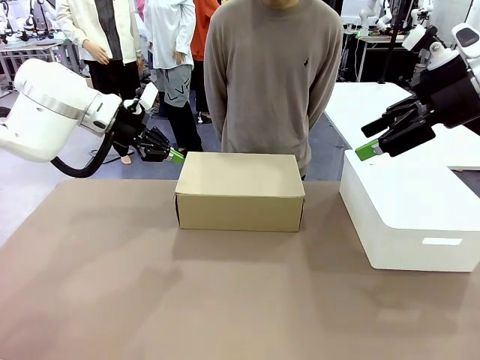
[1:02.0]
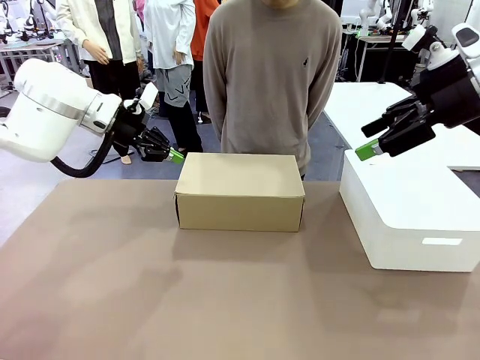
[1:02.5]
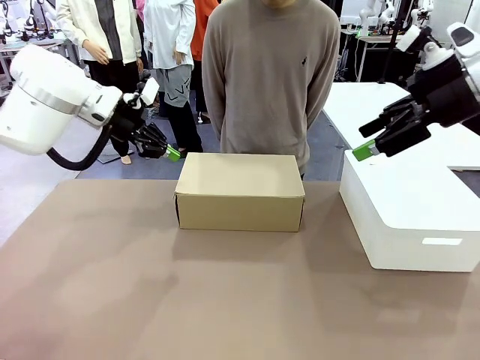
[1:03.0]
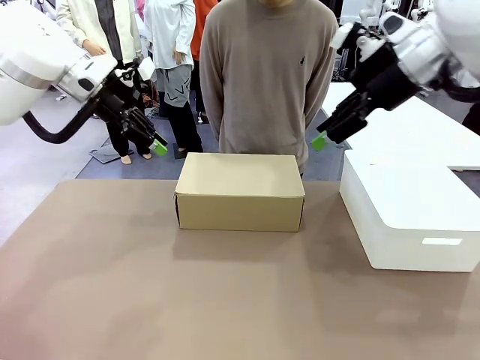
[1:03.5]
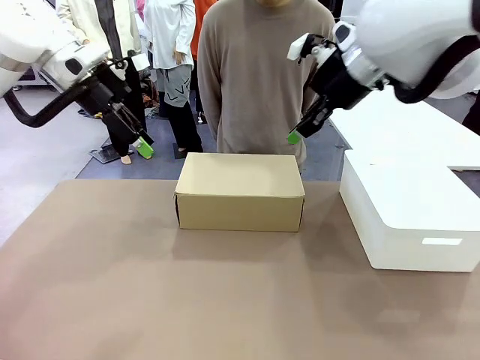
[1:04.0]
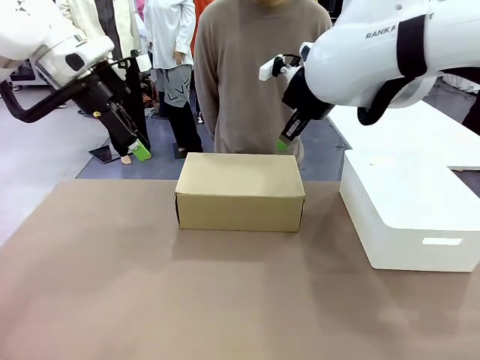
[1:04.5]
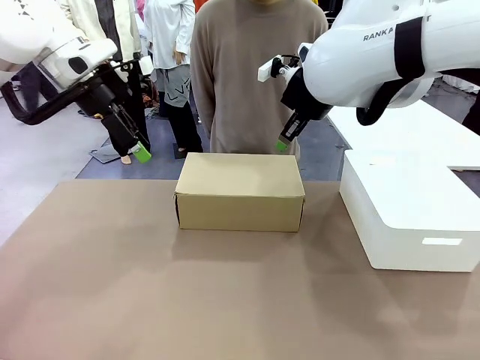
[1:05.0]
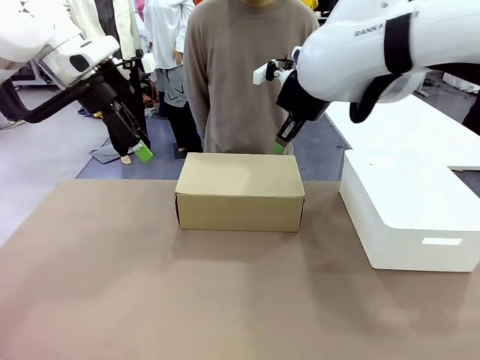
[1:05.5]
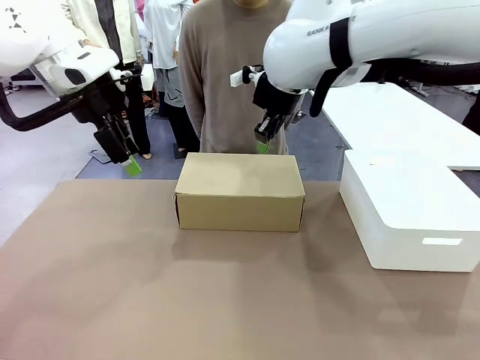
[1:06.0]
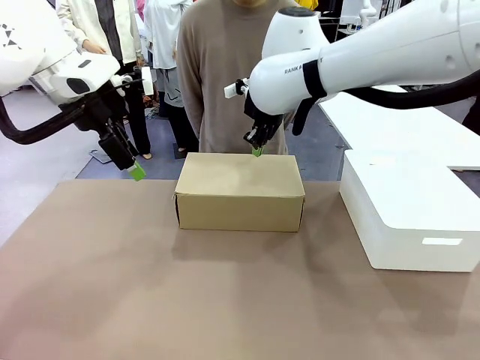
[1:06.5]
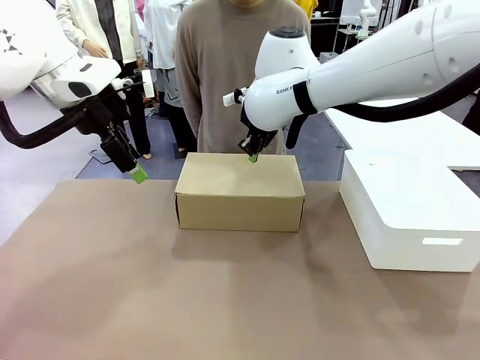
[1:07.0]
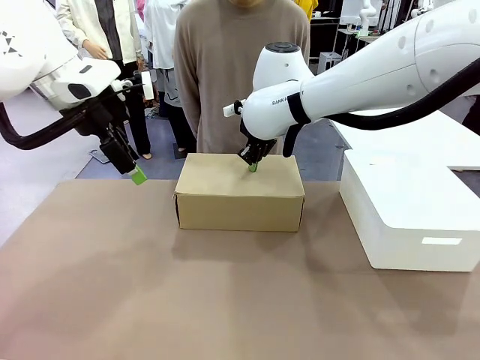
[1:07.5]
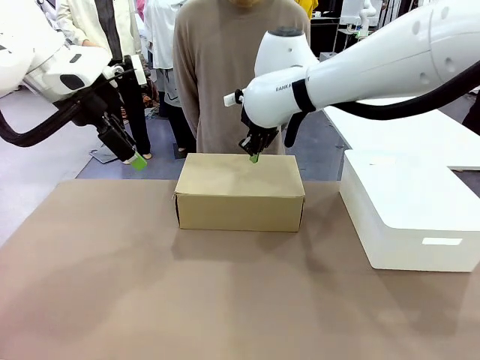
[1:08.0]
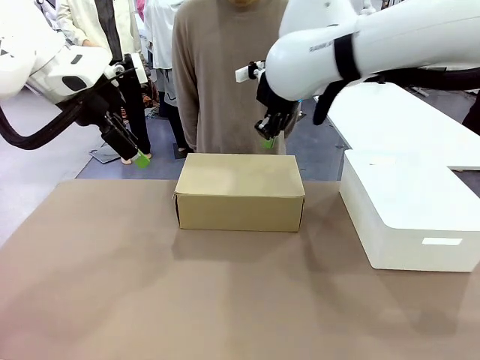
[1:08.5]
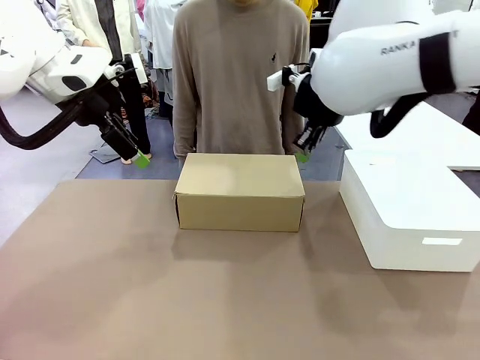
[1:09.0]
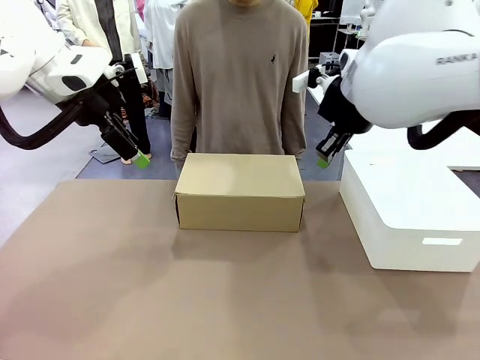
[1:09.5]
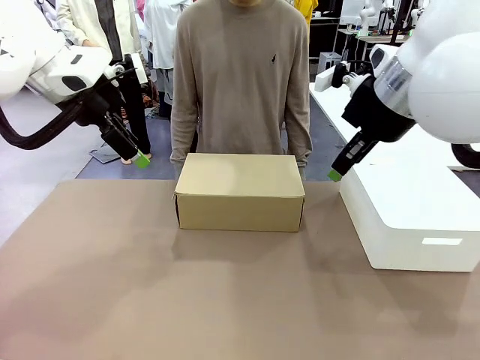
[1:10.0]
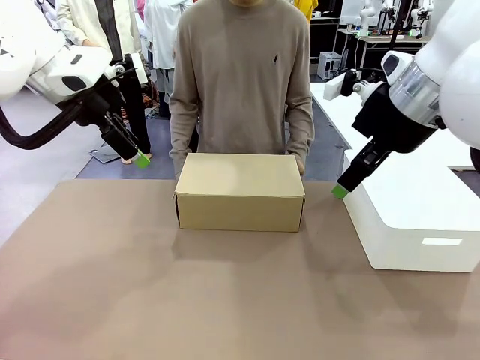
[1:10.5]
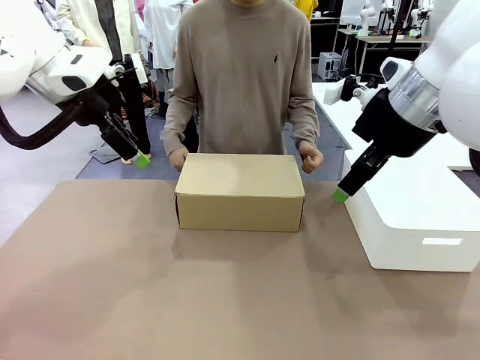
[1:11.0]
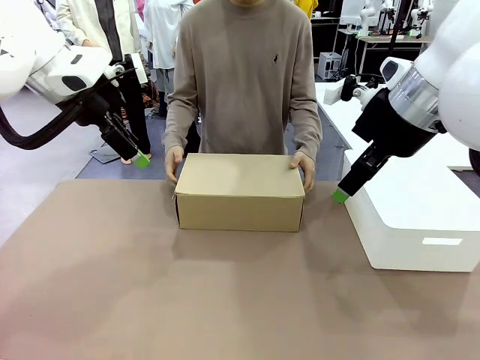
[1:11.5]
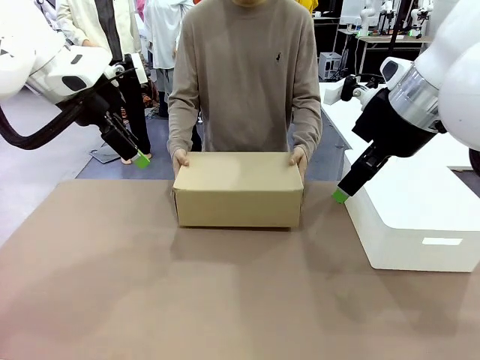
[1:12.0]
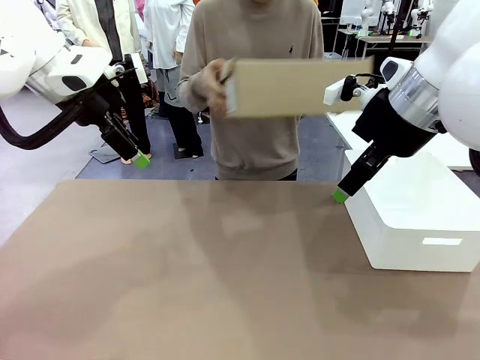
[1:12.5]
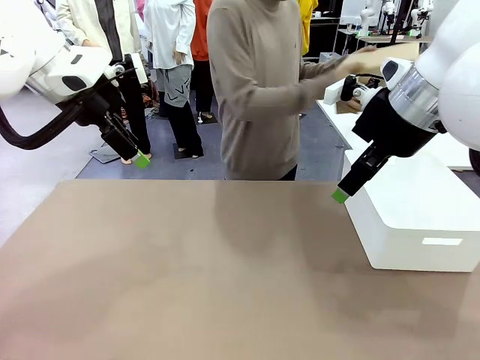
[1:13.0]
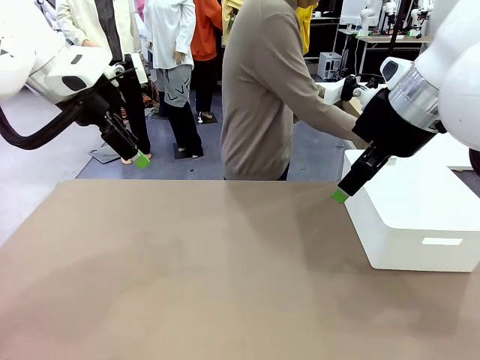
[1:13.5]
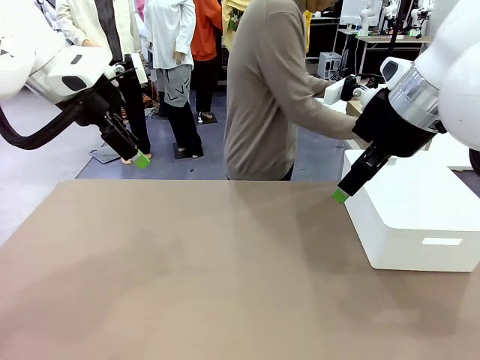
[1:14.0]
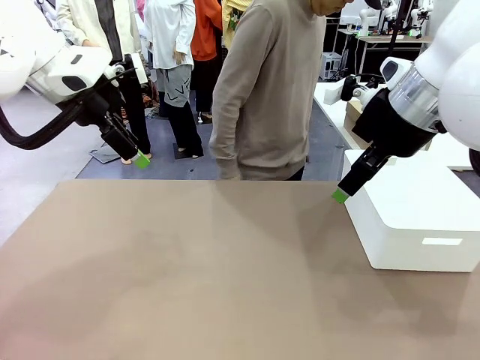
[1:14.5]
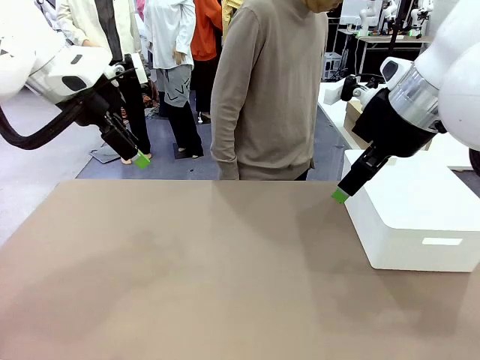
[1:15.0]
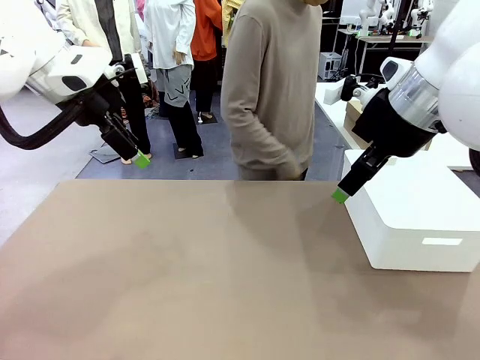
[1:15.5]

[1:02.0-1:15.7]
Task: Pack the shoes into the box.
Robot: Press down on the lid of the Shoes Box.
Person: Place the closed Shoes Box to the right side of the human table.

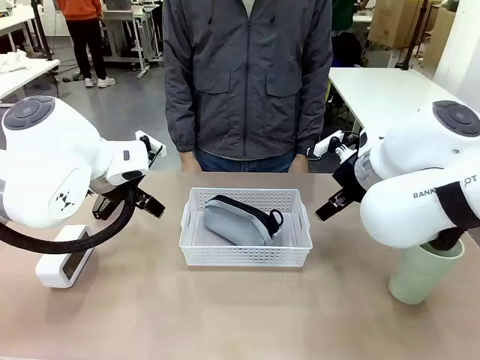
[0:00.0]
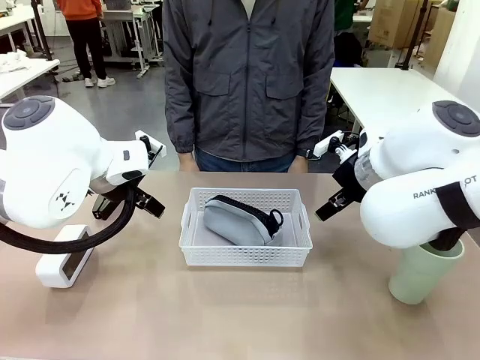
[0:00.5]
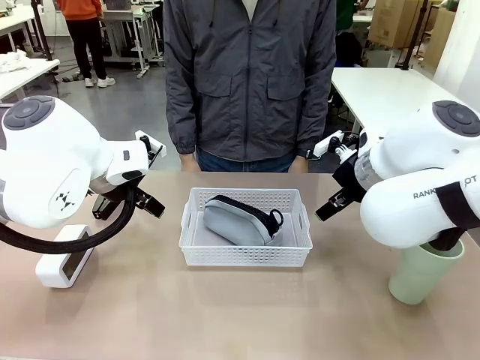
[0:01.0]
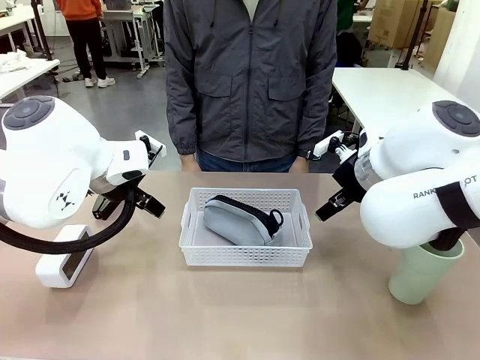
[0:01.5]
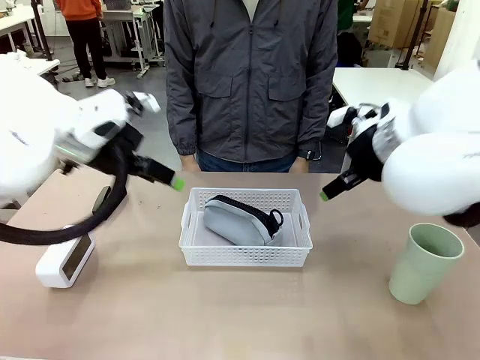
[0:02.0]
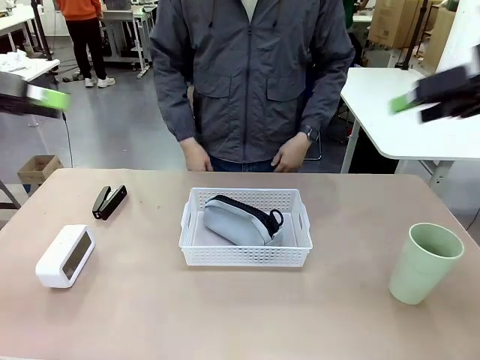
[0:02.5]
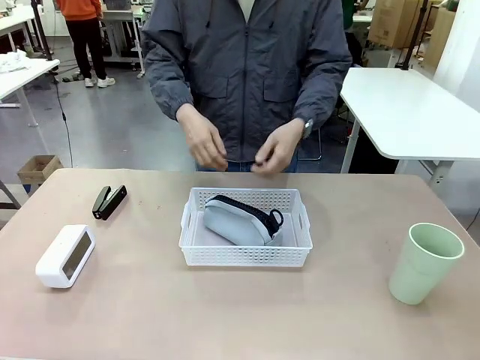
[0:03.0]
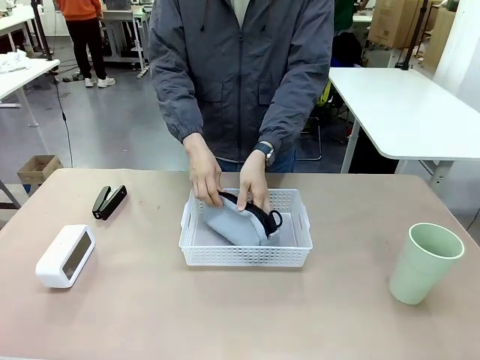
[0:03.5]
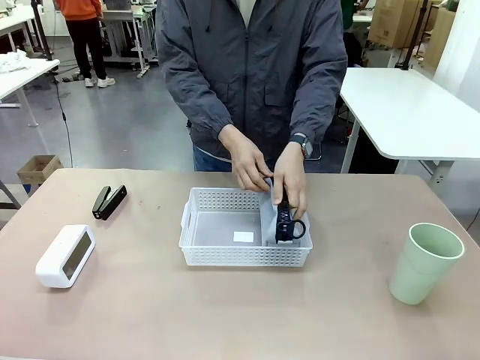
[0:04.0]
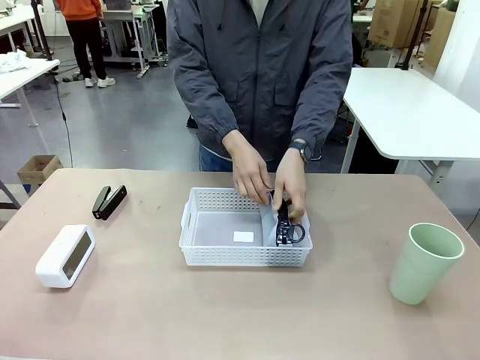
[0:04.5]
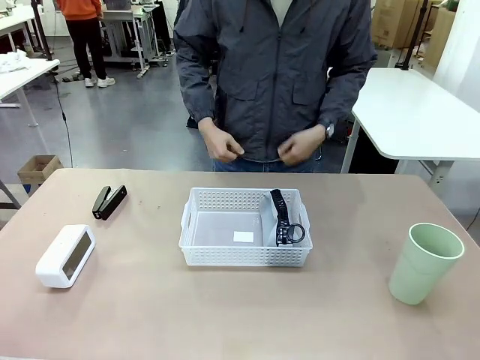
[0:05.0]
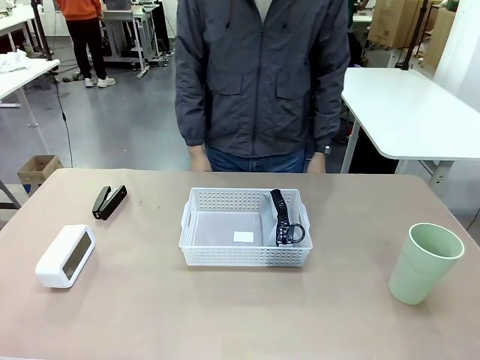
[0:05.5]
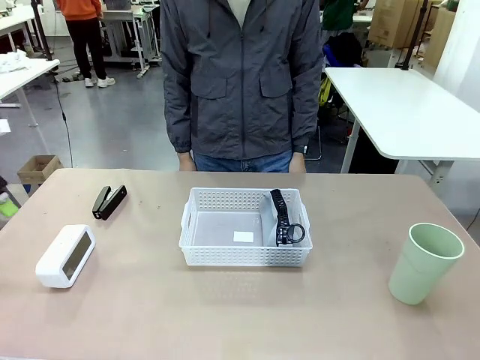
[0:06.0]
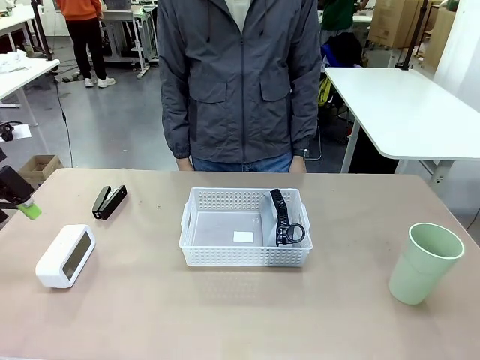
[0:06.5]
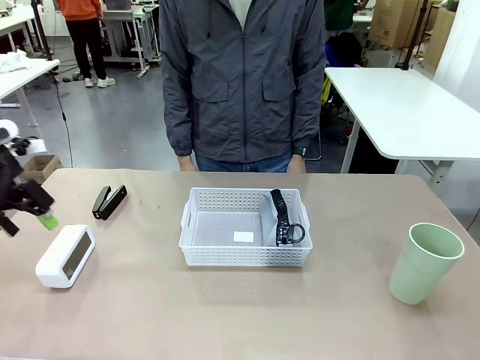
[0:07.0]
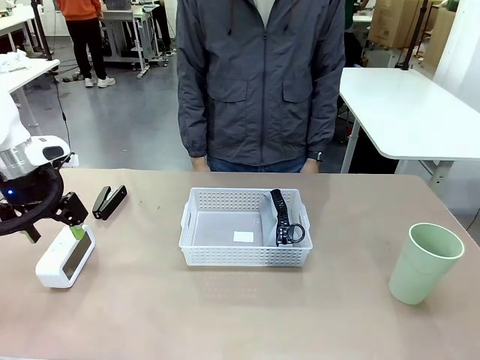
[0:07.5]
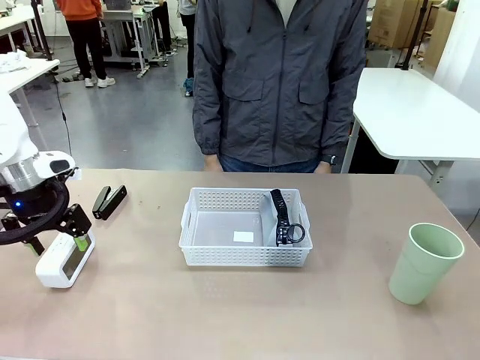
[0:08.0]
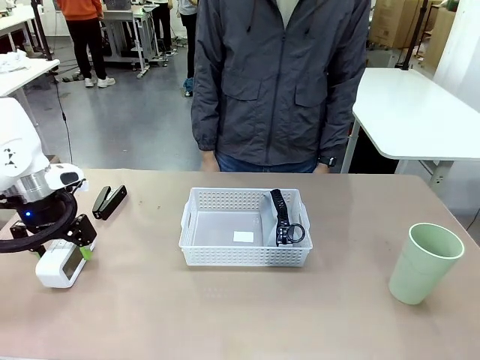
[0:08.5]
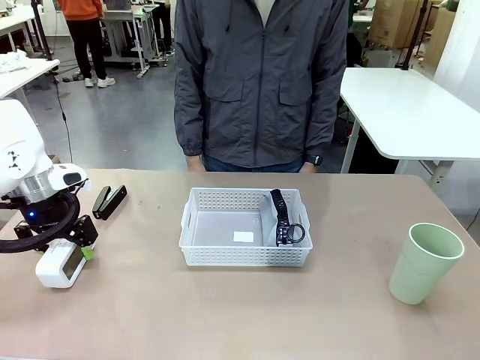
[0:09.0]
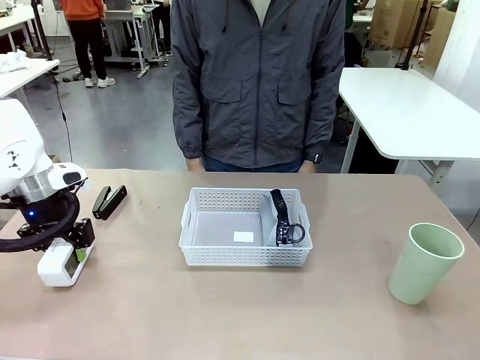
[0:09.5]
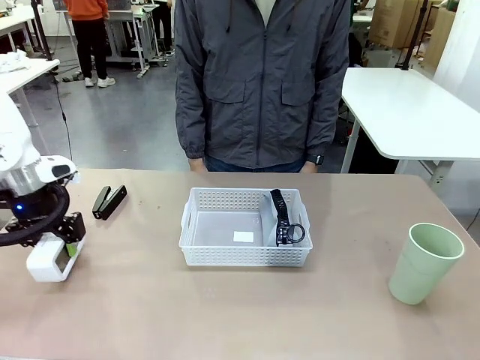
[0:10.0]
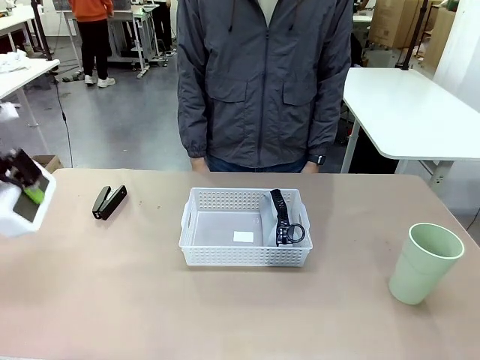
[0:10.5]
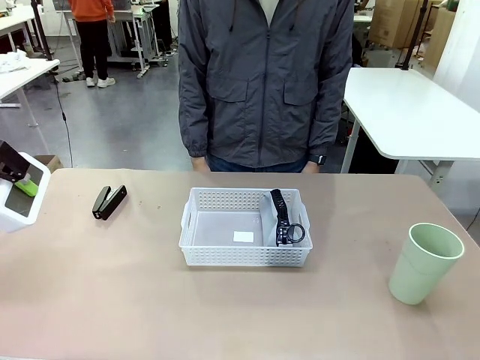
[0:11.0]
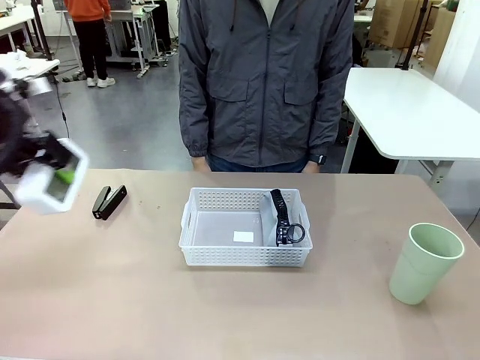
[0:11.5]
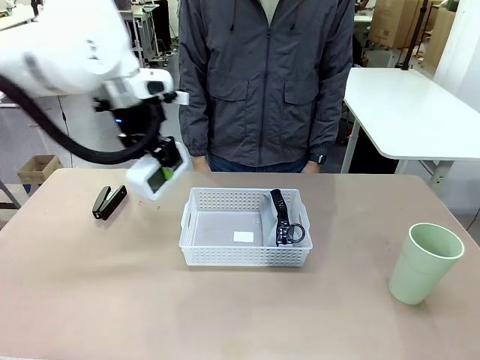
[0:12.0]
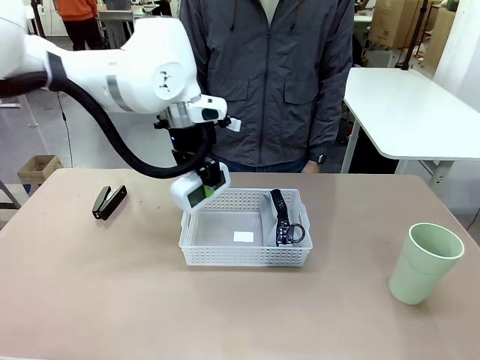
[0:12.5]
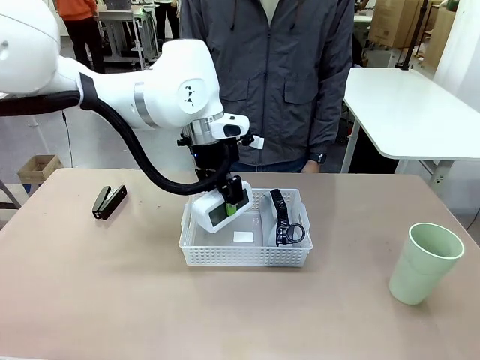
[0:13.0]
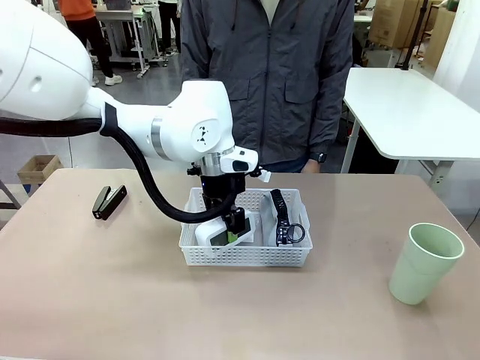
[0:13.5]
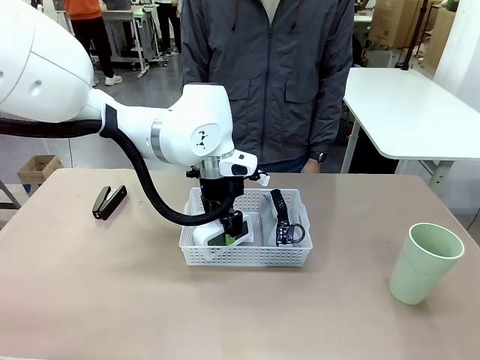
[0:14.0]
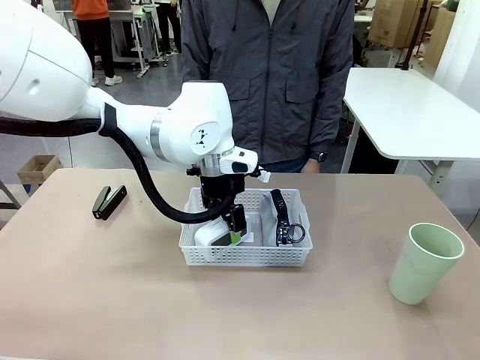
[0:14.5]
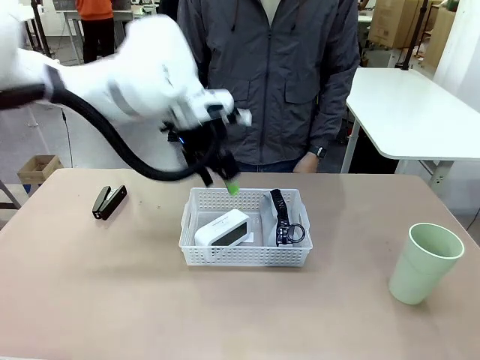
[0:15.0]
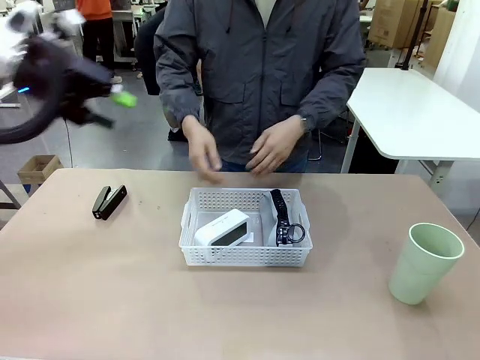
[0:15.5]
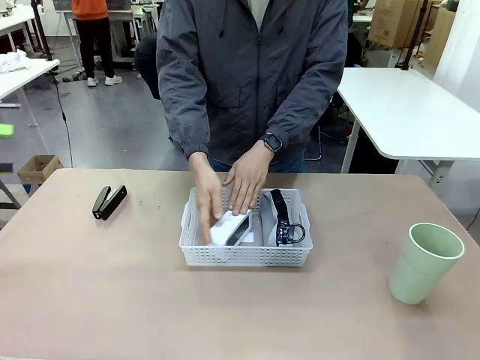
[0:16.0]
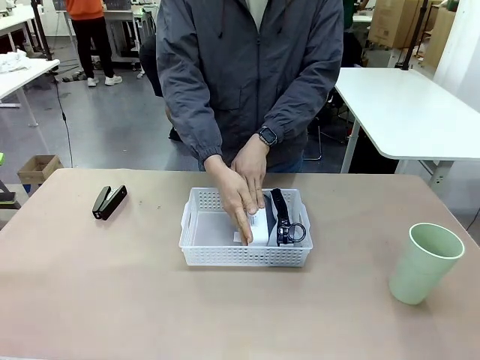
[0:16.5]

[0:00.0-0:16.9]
Task: Efficiently arrange items inside the basket to fit them all.
Robot: Pick up the Digital clock and place it inside the Organizing basket.
Person: Repositions the pencil case. Repositions the digital clock.
